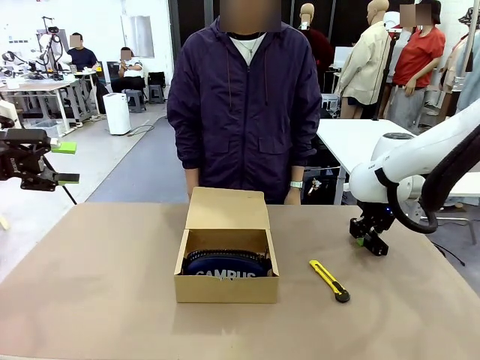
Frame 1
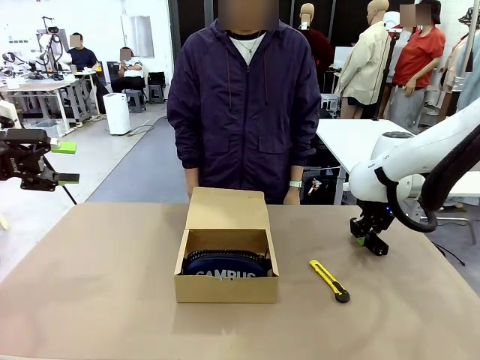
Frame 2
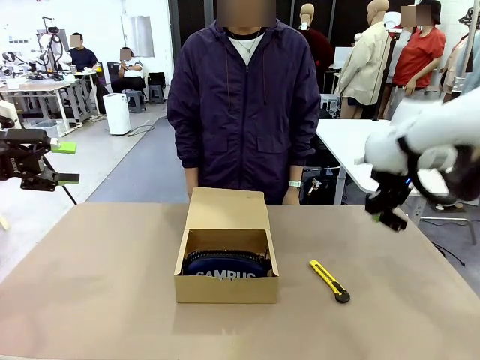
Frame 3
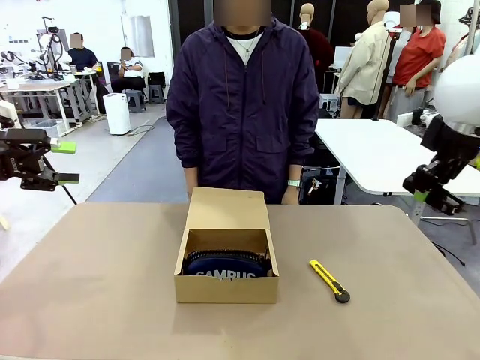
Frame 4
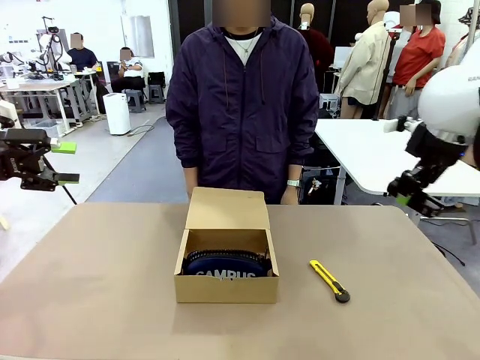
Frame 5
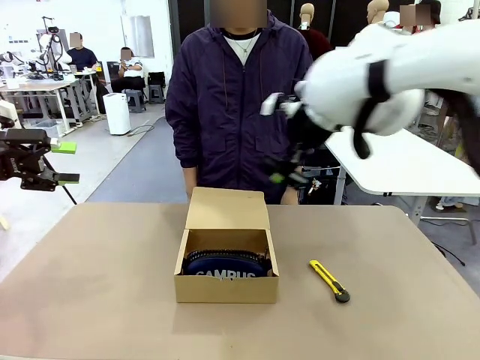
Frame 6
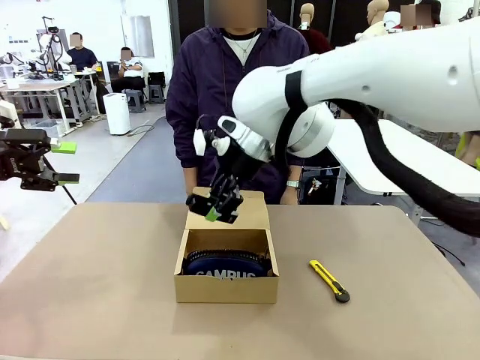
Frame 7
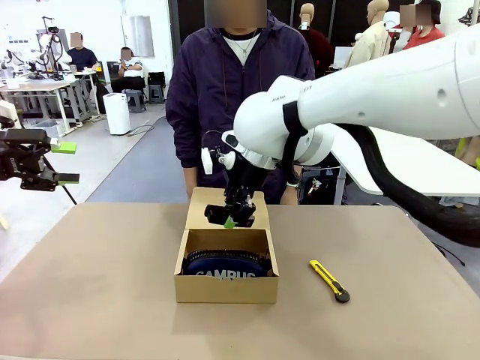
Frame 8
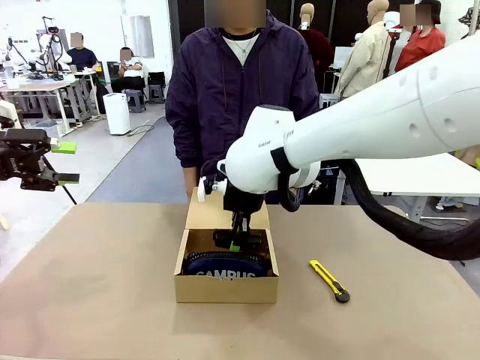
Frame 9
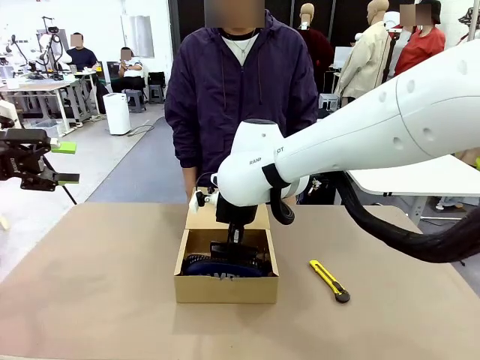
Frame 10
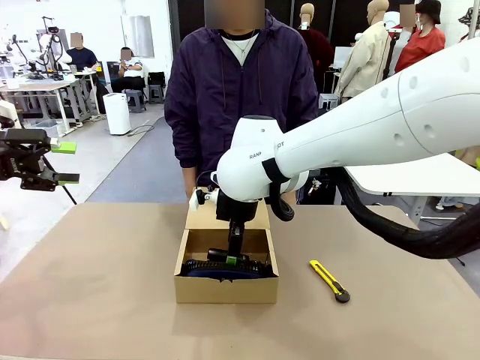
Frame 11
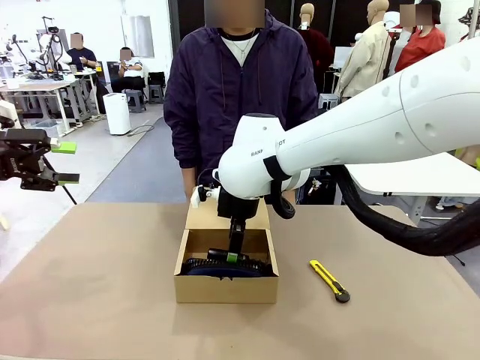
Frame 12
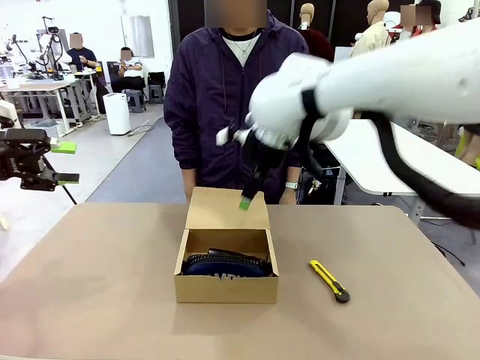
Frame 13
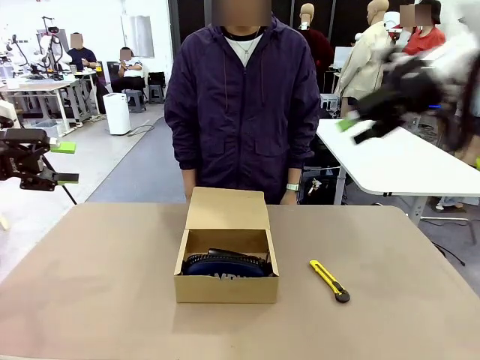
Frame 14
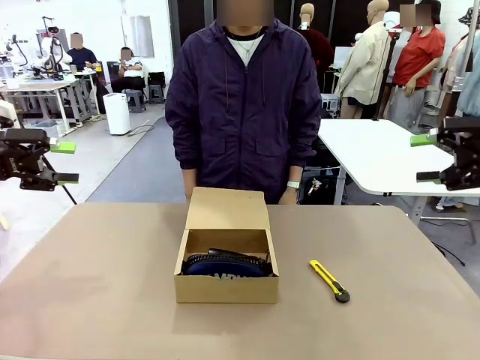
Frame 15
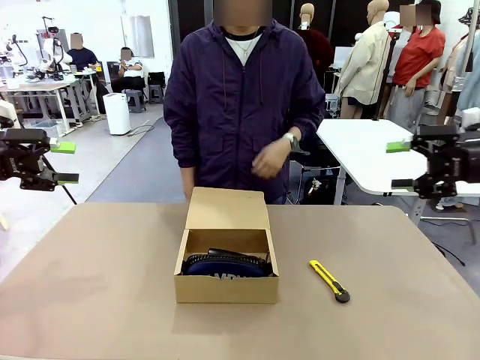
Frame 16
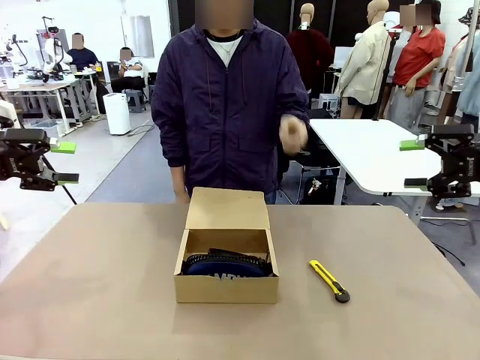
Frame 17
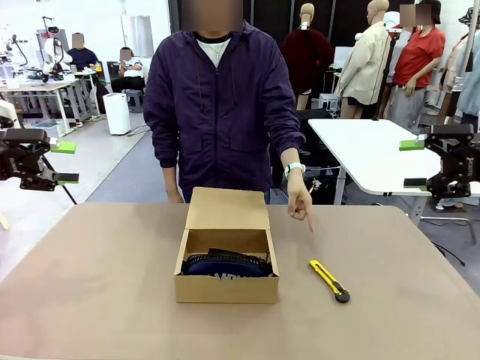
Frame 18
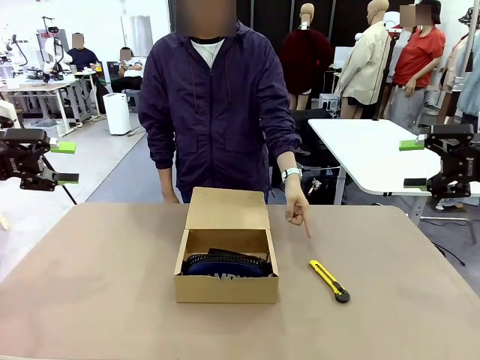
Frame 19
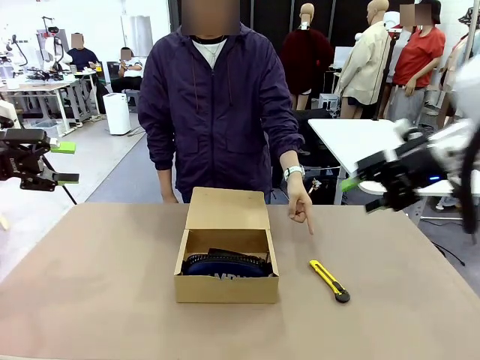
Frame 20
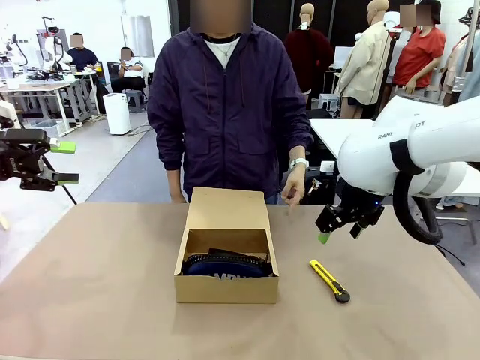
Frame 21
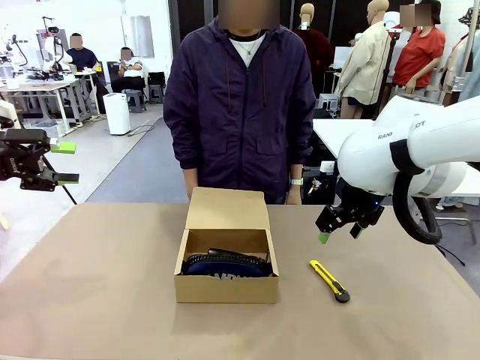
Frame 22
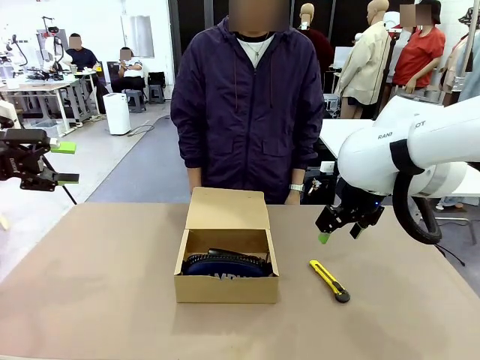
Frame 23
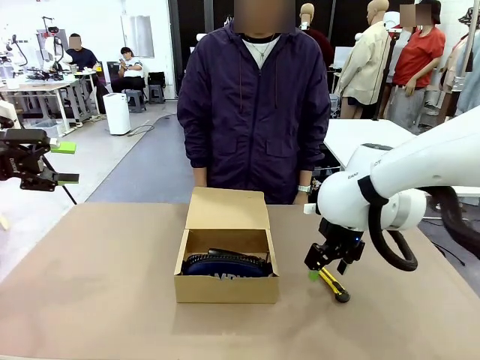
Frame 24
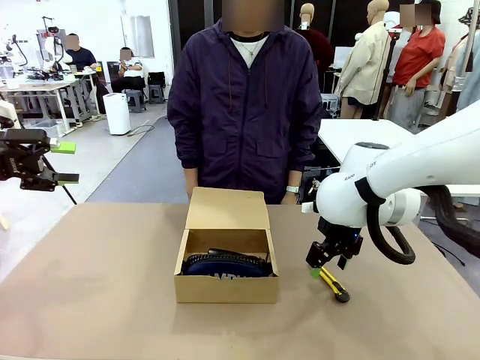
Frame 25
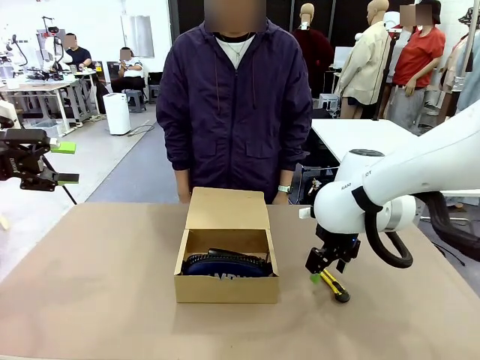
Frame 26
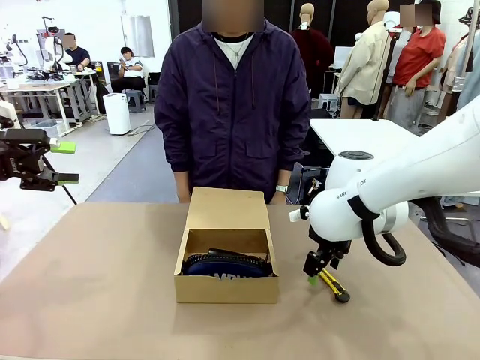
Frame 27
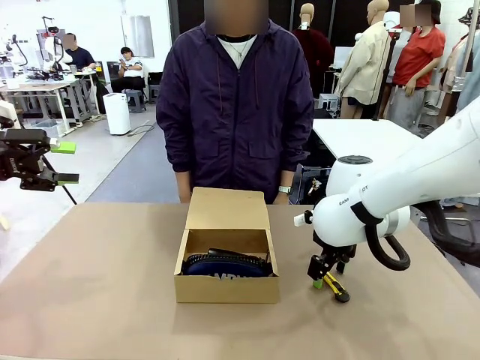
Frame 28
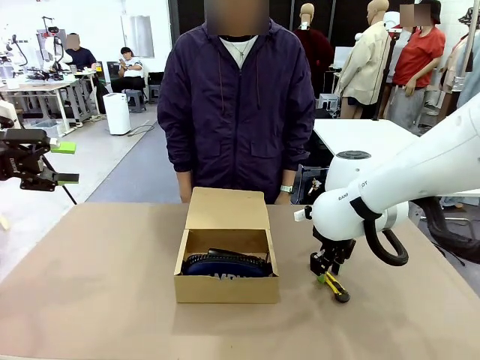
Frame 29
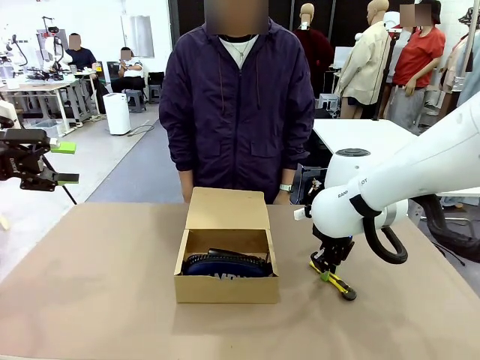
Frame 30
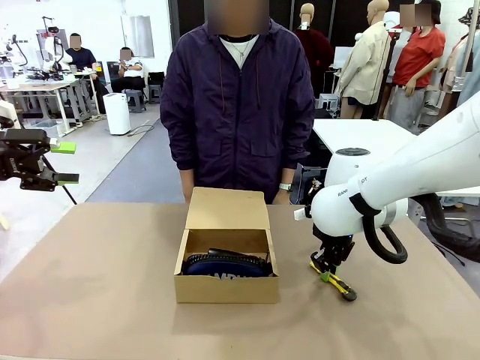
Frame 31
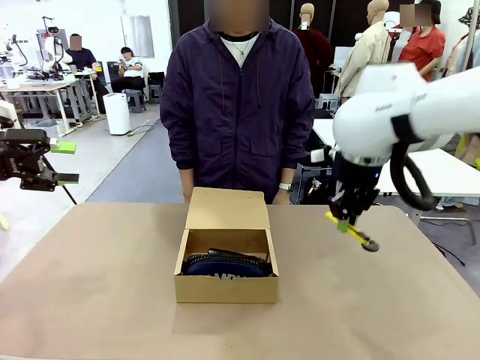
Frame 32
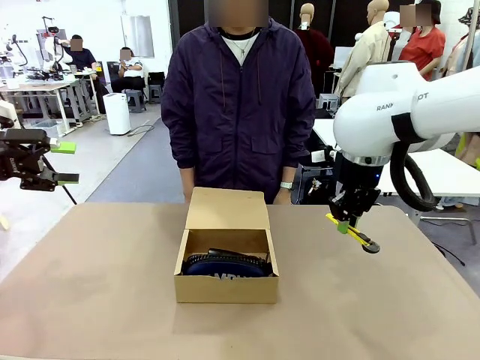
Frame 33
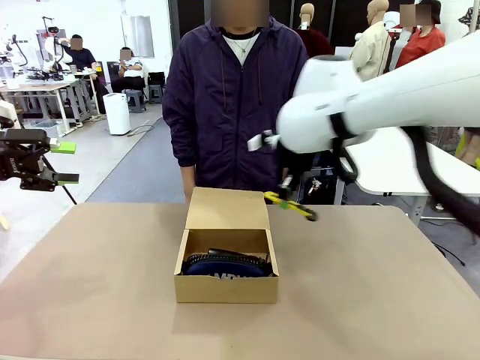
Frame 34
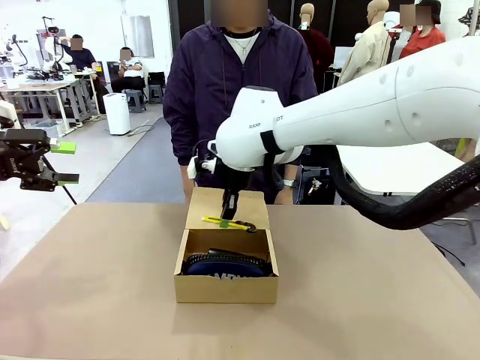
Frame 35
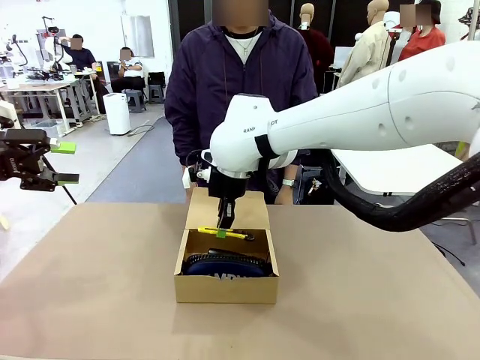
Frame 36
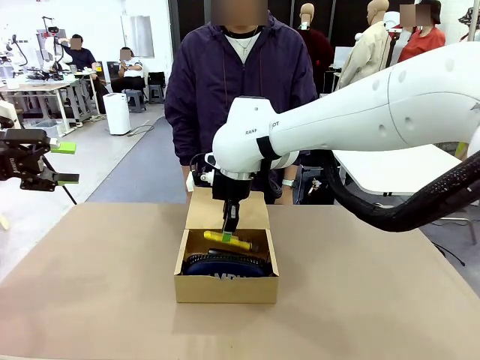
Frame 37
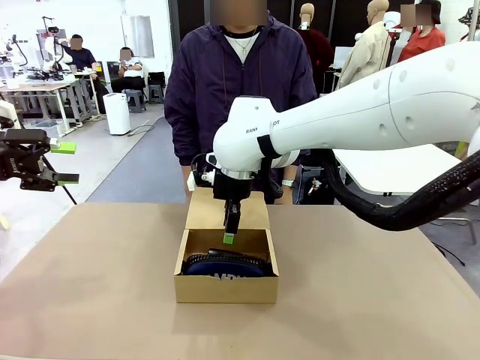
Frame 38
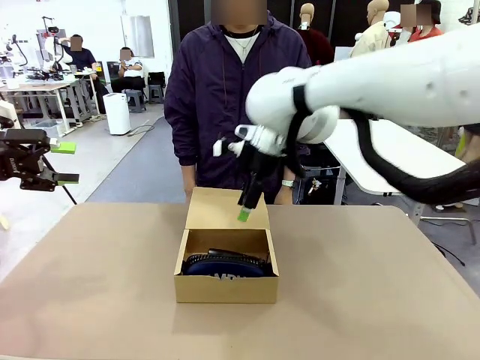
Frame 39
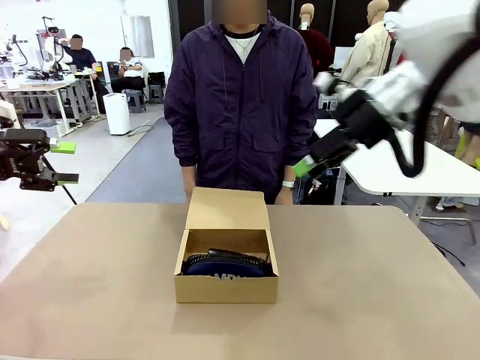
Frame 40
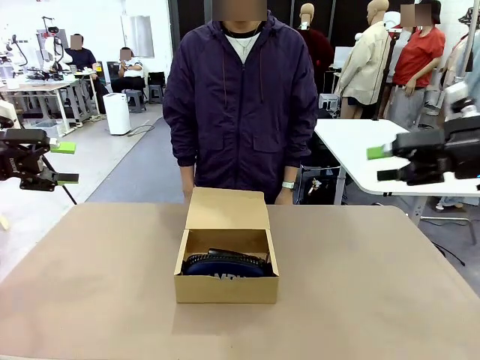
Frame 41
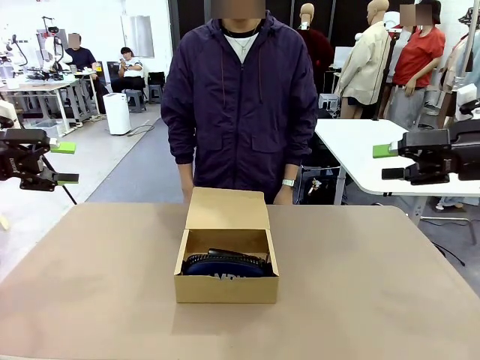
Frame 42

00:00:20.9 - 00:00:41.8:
Task: Pack the items into the box.
Robot: Pick up the item indicated by the person and place it inside the Mailer Box.
Person: Lower both hands vertically with palms facing downward, as if pressing something closed.
